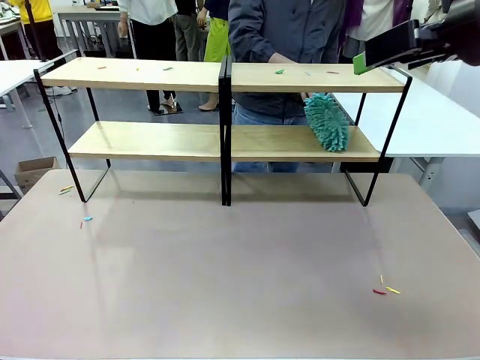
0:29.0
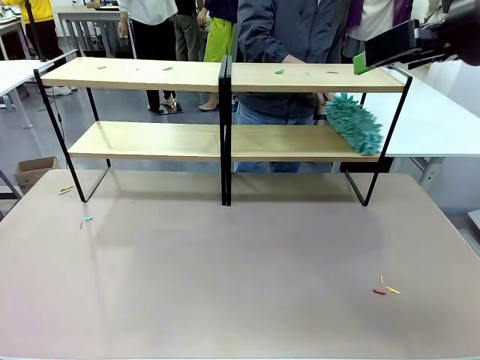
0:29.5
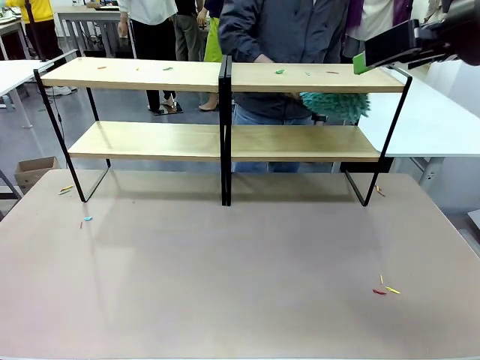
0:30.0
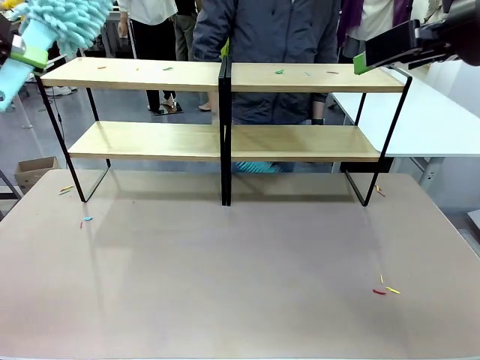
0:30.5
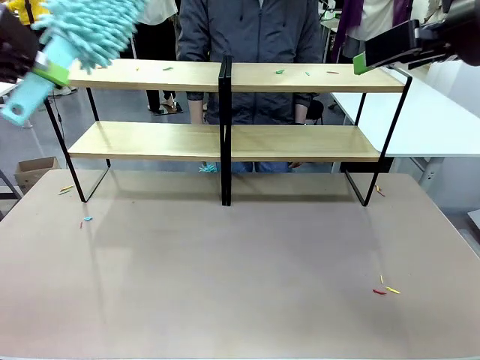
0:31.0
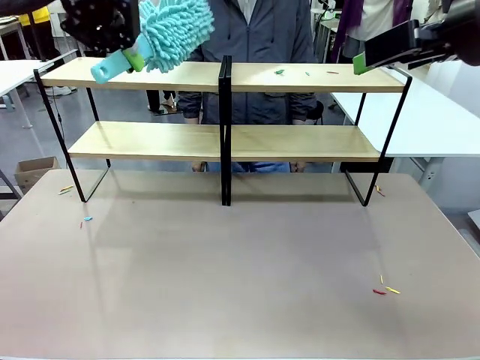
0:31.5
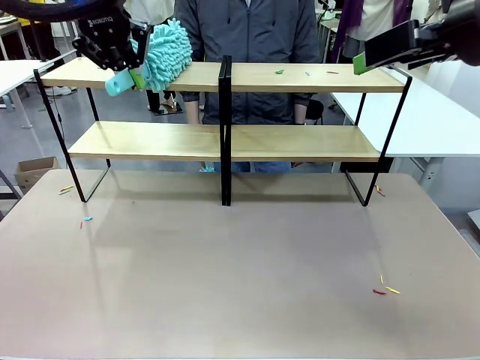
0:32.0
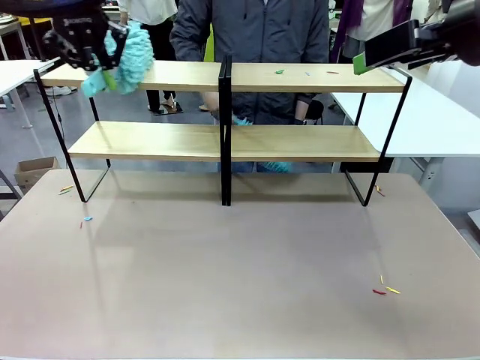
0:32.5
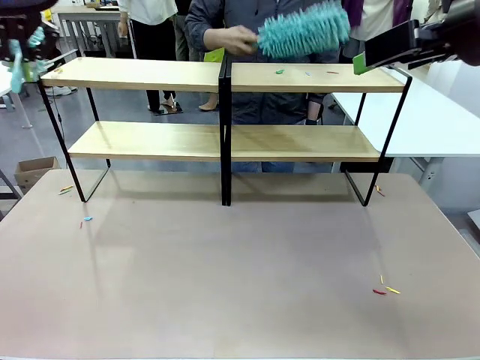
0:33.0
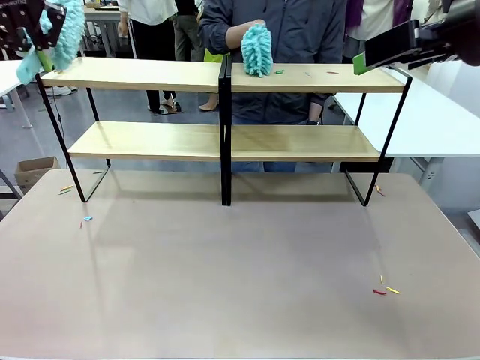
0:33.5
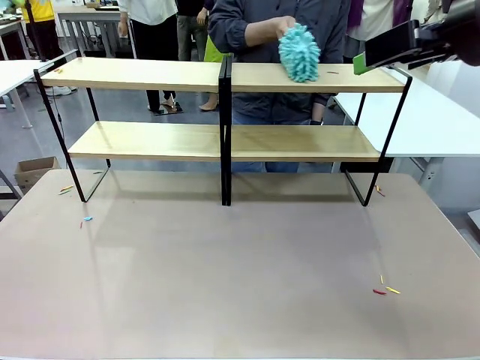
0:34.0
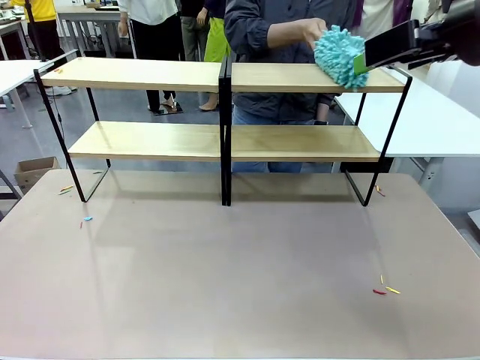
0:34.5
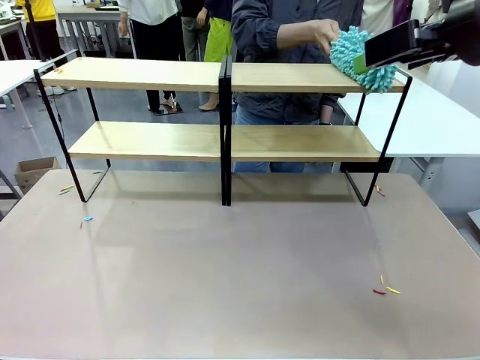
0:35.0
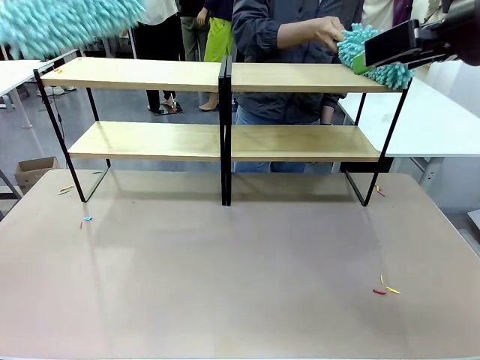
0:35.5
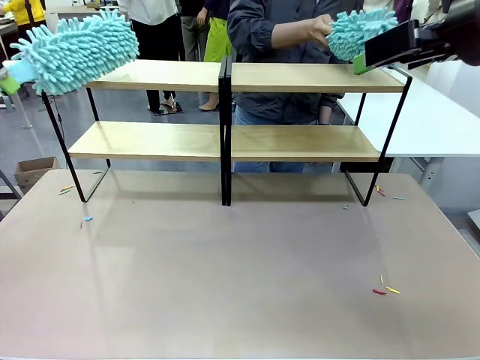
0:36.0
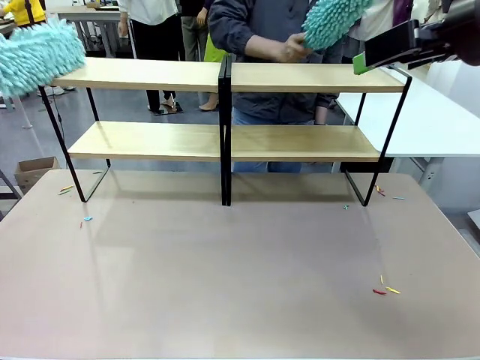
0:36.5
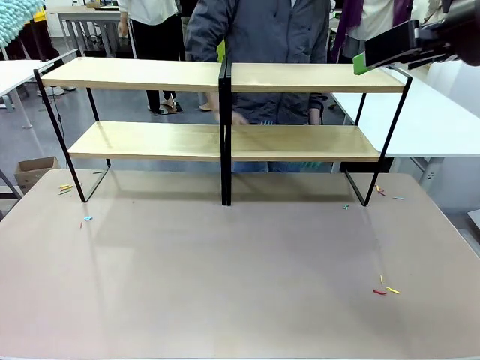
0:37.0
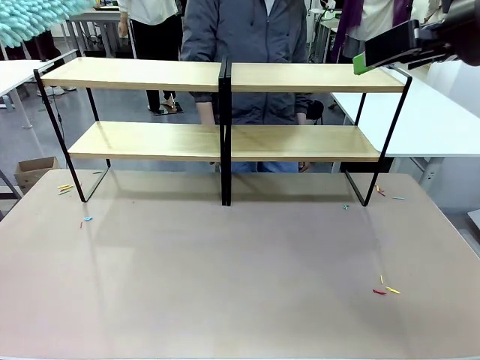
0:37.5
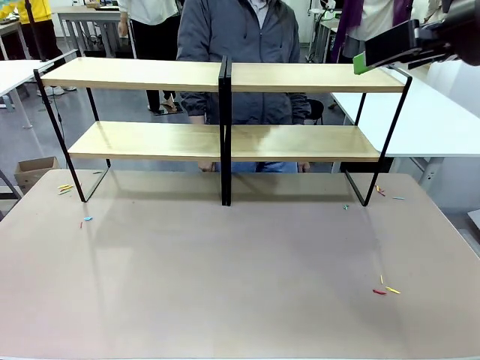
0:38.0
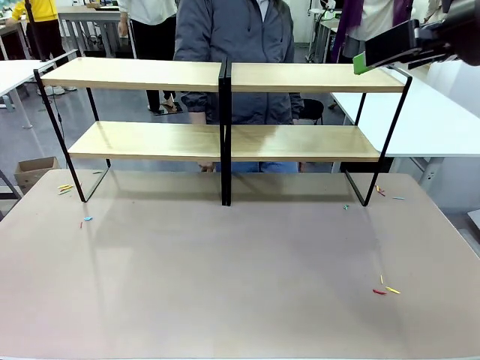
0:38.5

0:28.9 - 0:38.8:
Task: Clean the shelves.
Robot: Clean another randomly selected level of the Shelf with the Duster.

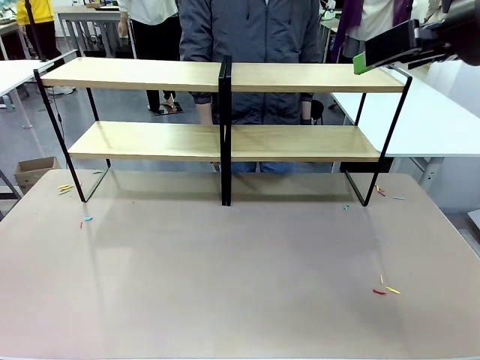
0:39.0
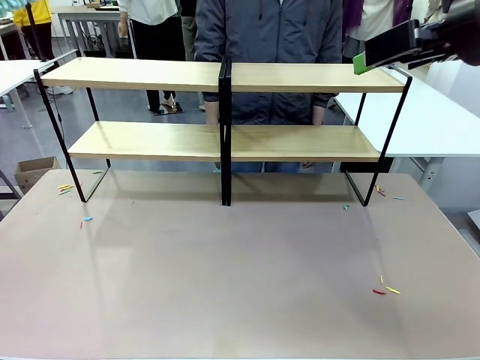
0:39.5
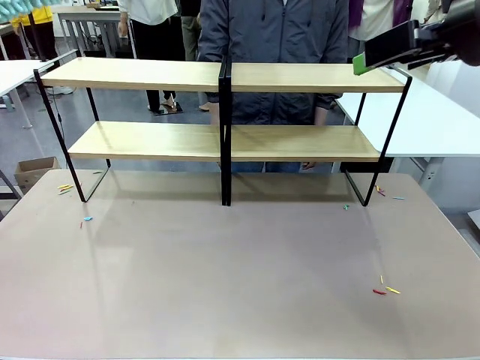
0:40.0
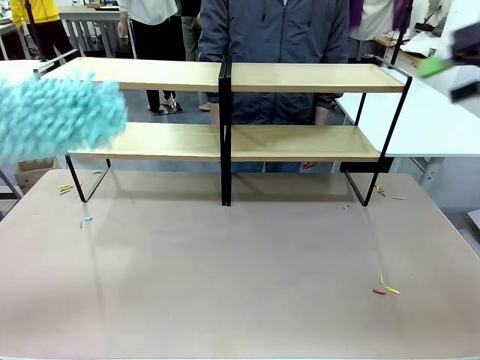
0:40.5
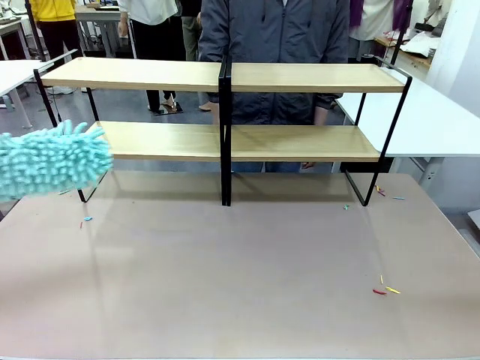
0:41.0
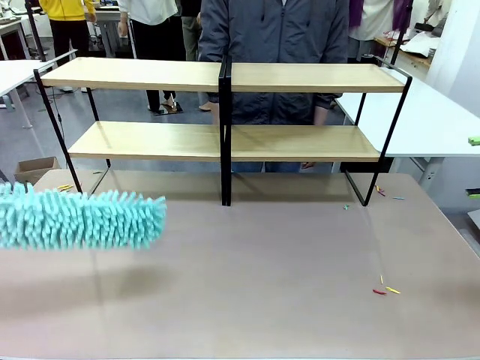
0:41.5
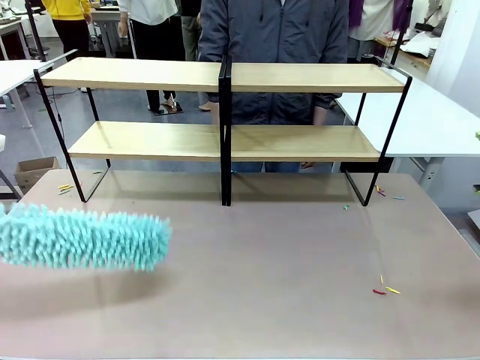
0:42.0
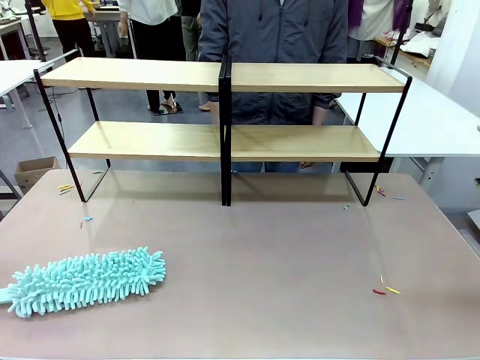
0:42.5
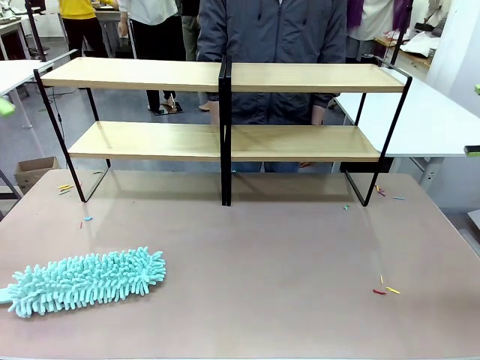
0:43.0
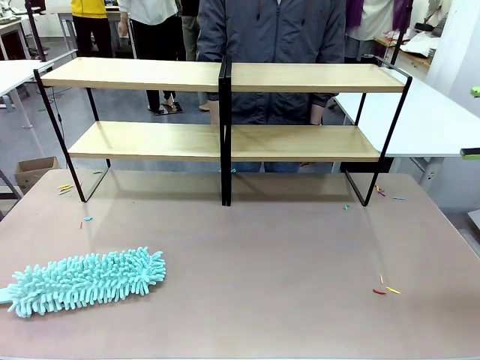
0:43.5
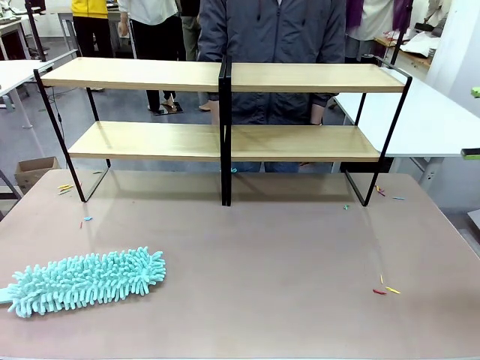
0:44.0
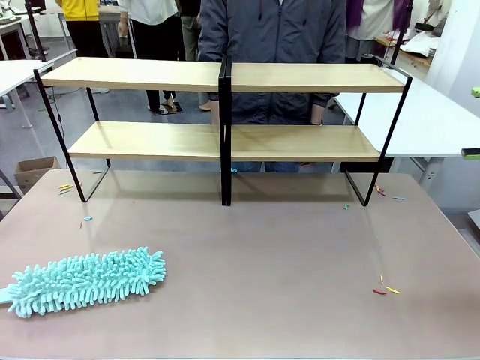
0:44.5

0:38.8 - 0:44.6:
Robot: Place the Duster on the table.

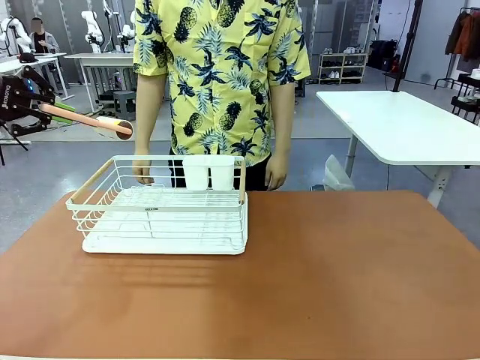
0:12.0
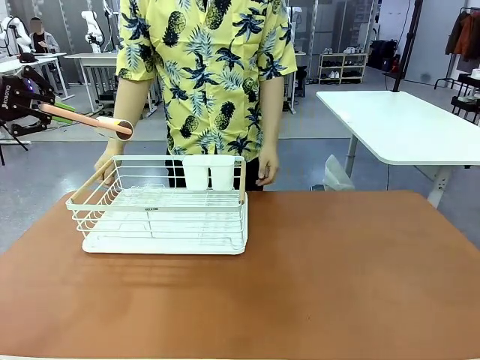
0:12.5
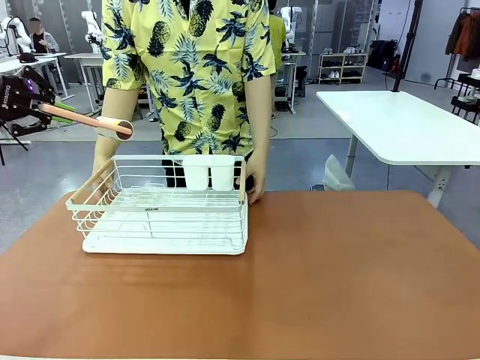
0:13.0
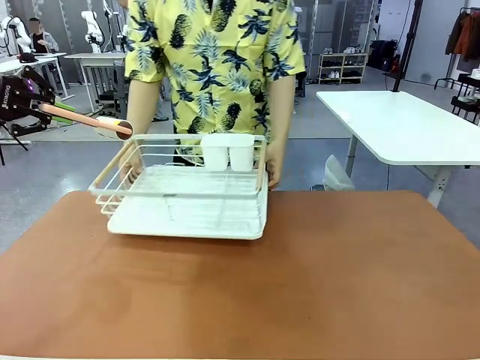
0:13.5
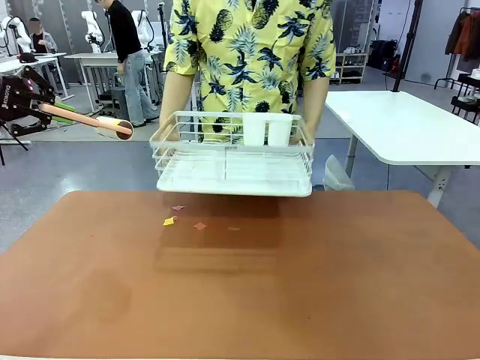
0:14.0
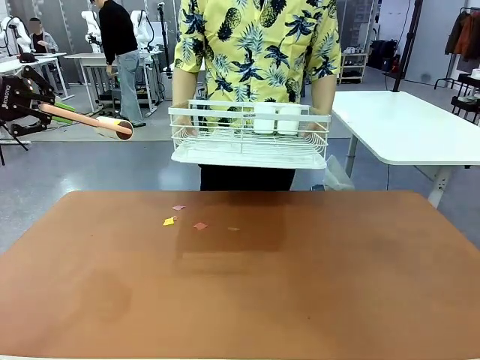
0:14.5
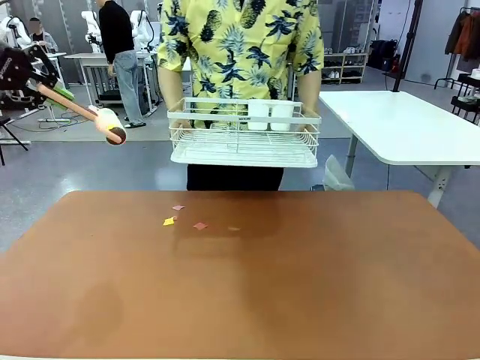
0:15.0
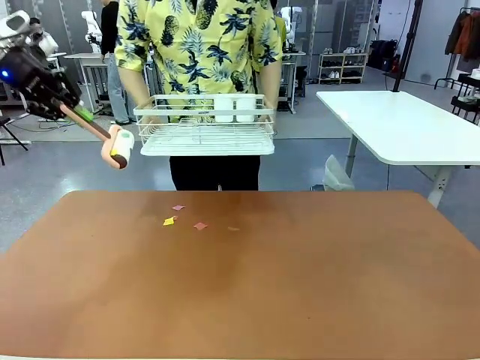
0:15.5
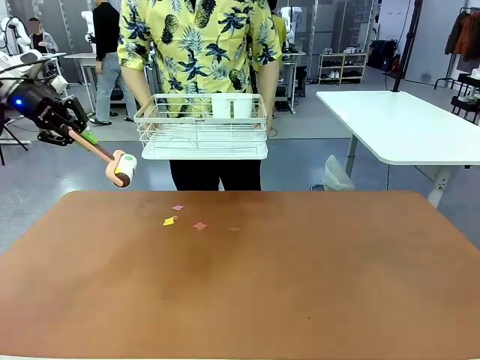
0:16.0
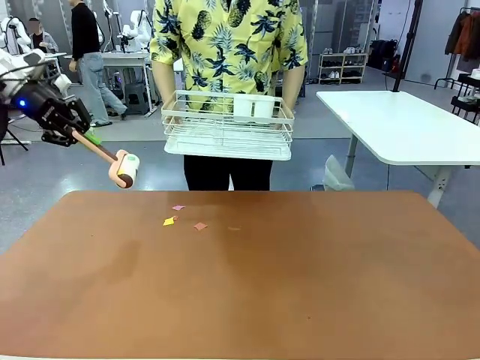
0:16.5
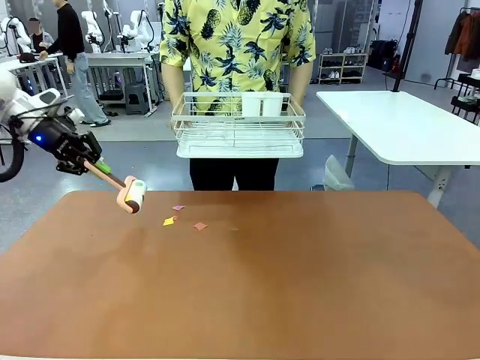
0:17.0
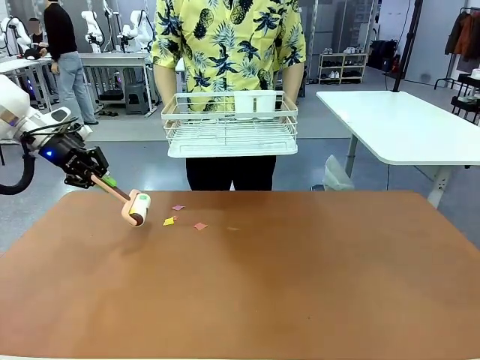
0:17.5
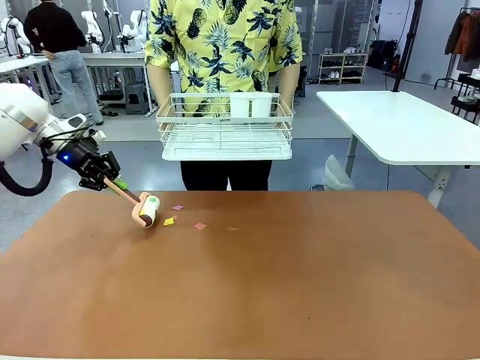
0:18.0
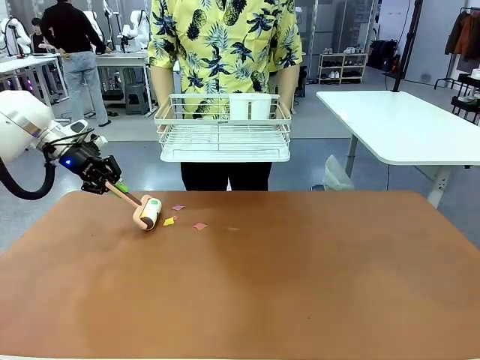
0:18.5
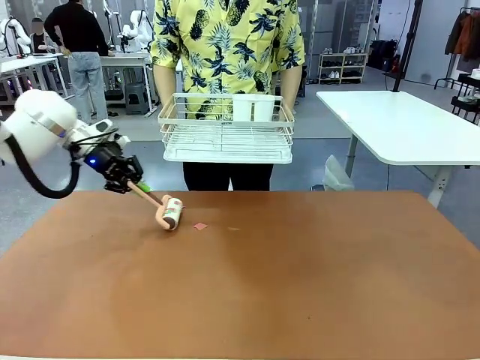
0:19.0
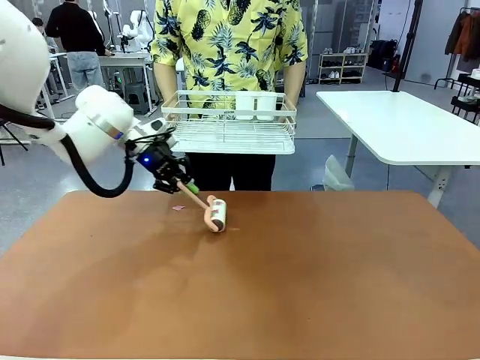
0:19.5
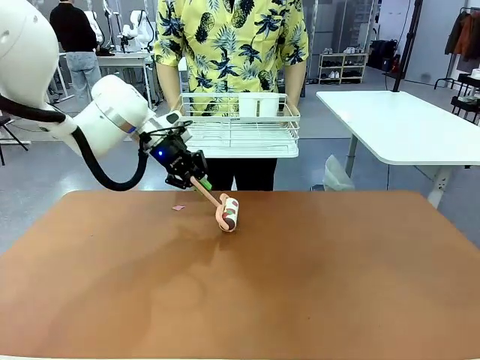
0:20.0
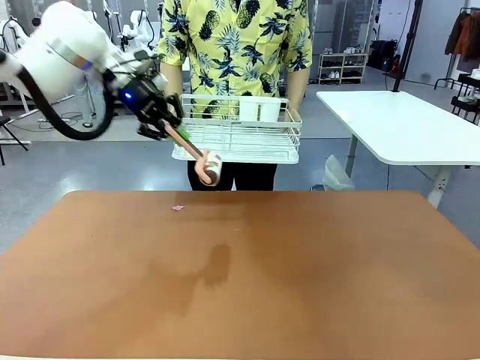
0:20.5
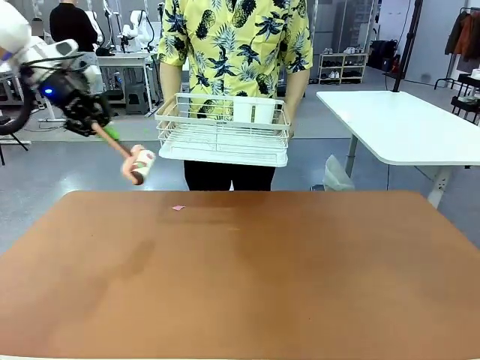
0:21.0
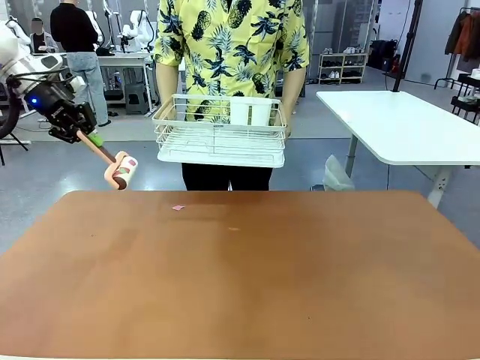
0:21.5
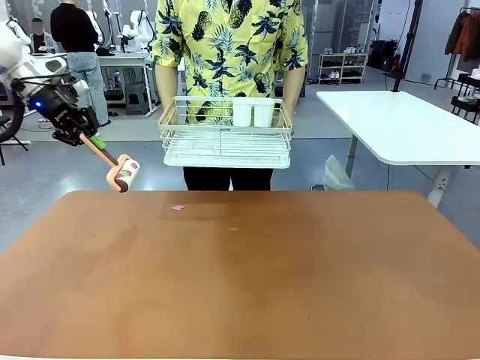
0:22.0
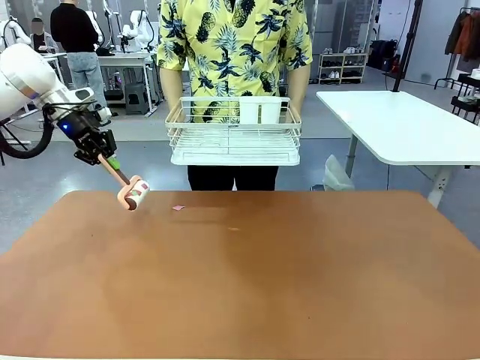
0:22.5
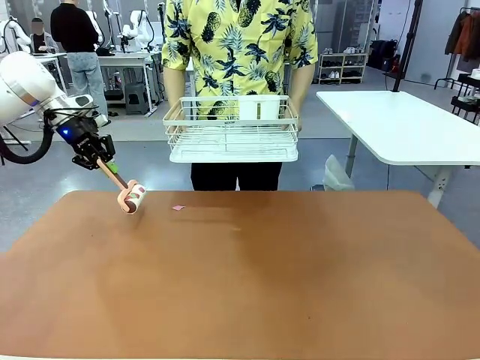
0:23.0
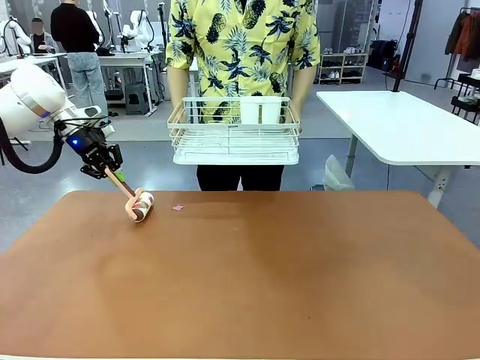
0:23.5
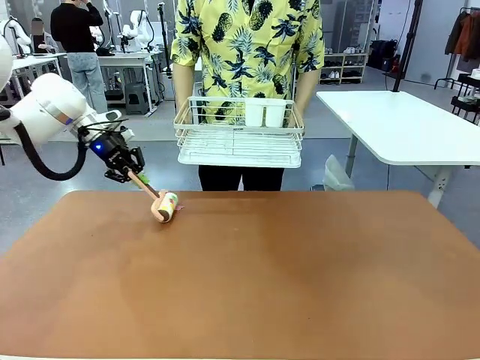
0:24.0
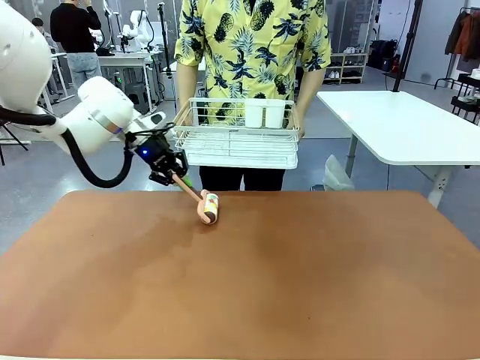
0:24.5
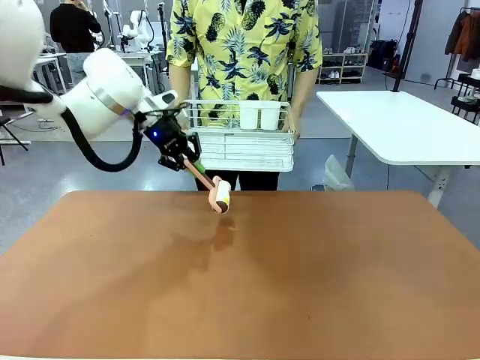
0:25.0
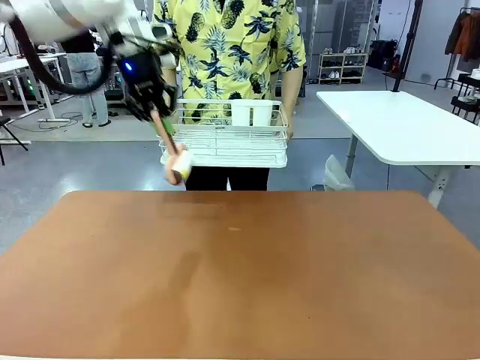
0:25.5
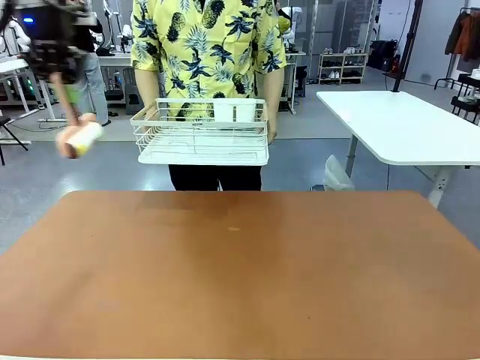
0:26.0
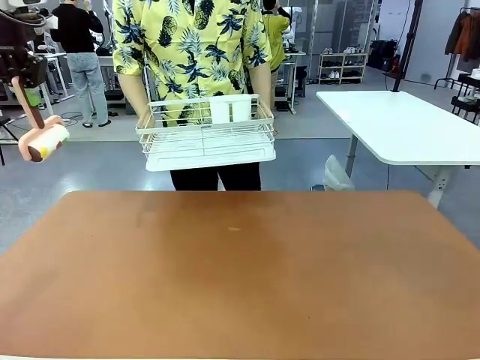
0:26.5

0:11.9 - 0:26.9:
Task: Clean the table.
Robot: Clean the table with the Lint Roller when the human lifts the Dish drying rack.
Person: Place the Dish drying rack down when the robot finishes cleaning.
